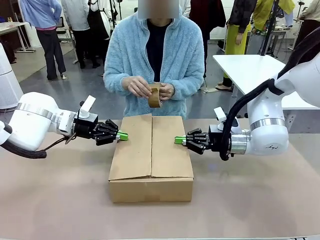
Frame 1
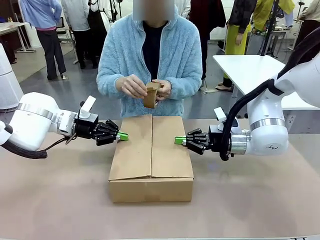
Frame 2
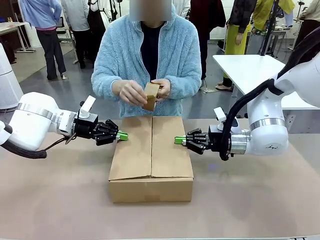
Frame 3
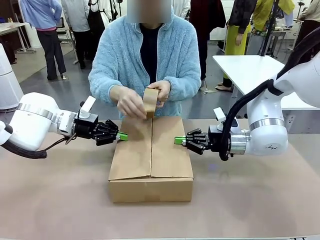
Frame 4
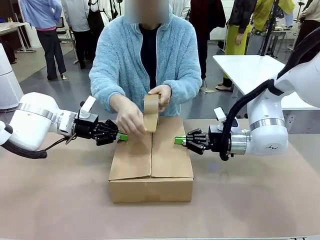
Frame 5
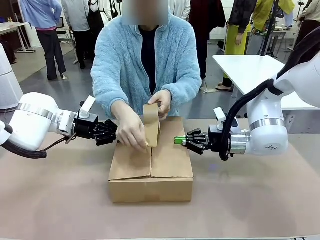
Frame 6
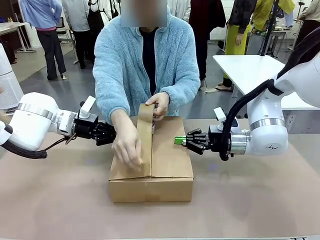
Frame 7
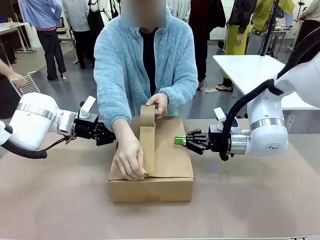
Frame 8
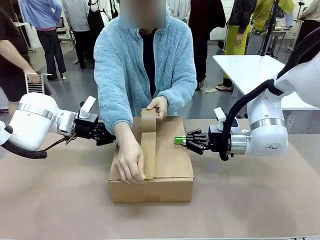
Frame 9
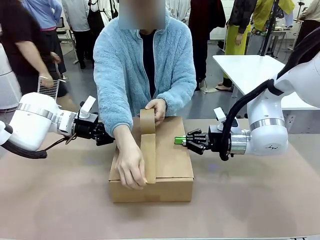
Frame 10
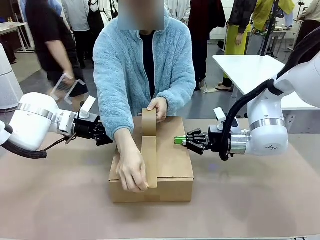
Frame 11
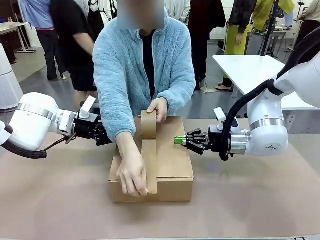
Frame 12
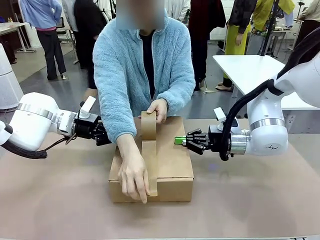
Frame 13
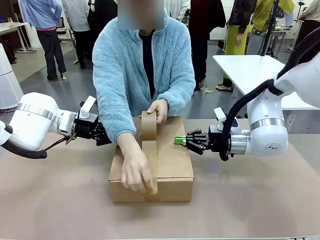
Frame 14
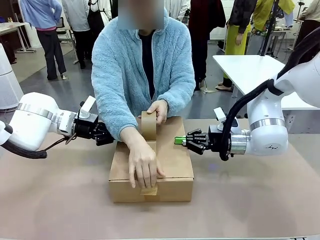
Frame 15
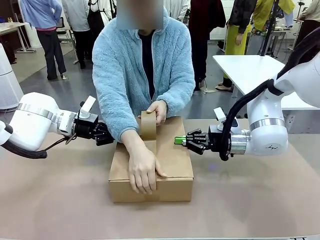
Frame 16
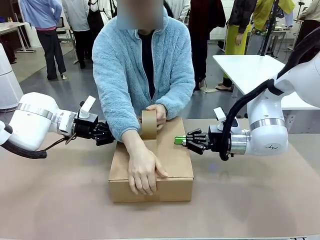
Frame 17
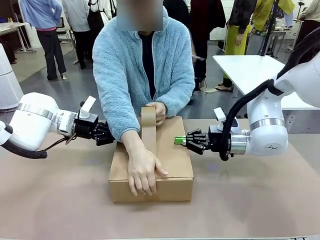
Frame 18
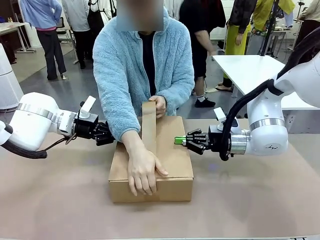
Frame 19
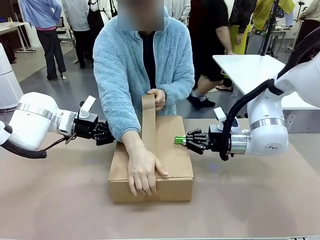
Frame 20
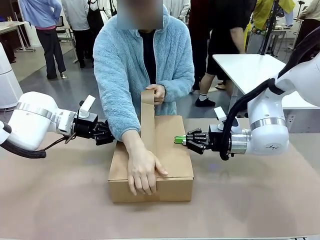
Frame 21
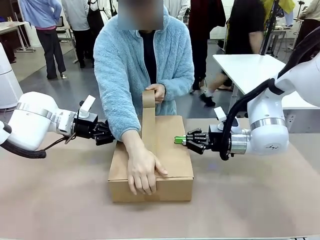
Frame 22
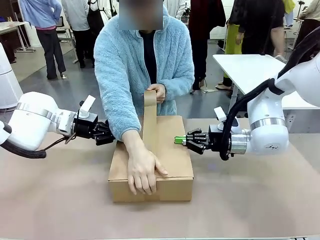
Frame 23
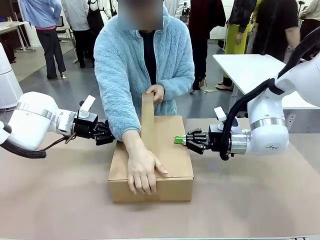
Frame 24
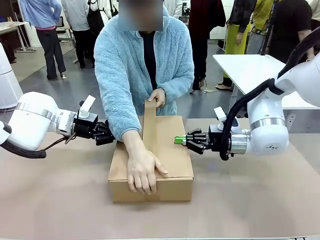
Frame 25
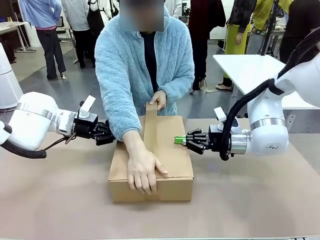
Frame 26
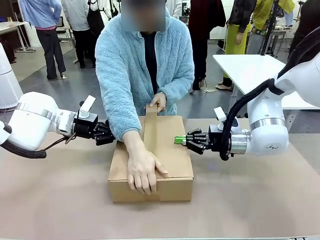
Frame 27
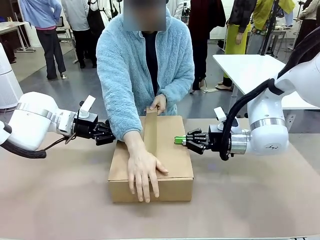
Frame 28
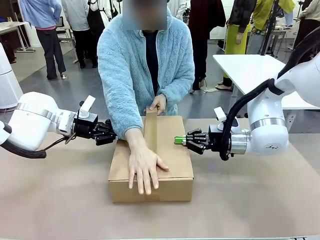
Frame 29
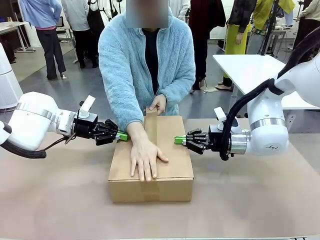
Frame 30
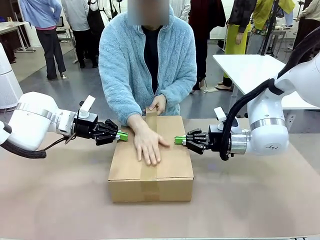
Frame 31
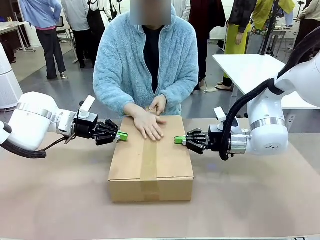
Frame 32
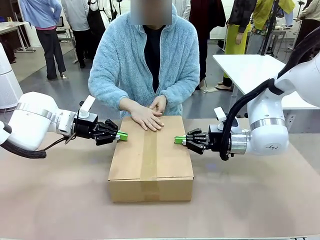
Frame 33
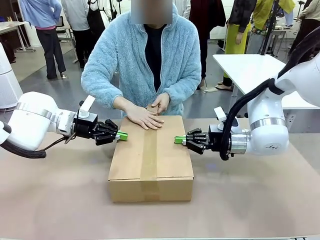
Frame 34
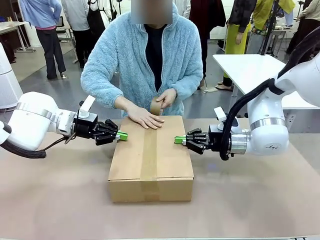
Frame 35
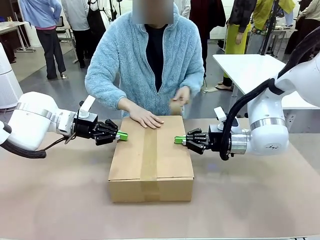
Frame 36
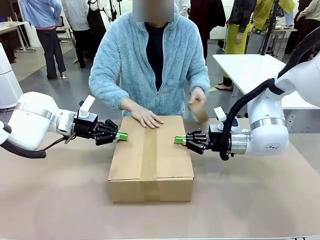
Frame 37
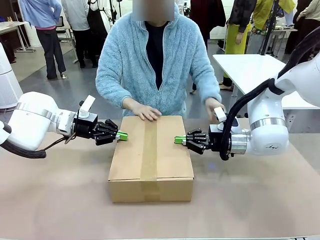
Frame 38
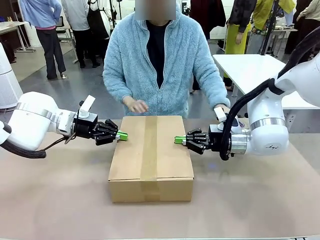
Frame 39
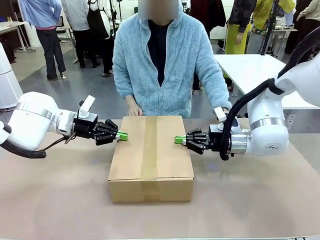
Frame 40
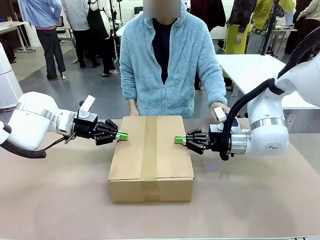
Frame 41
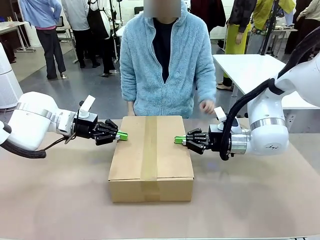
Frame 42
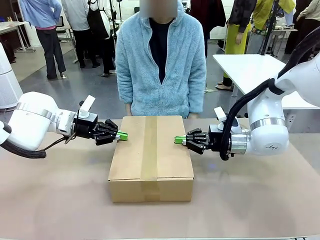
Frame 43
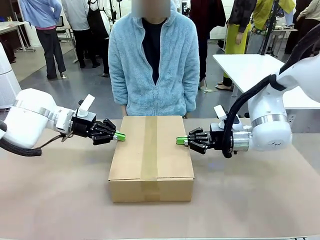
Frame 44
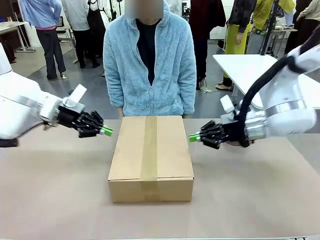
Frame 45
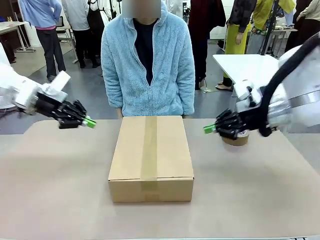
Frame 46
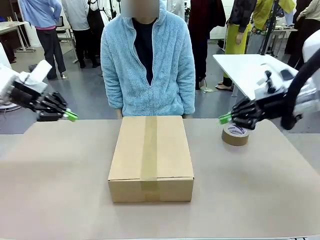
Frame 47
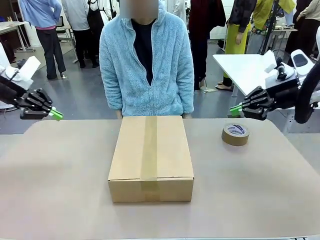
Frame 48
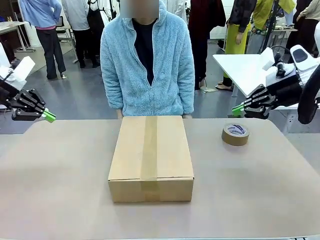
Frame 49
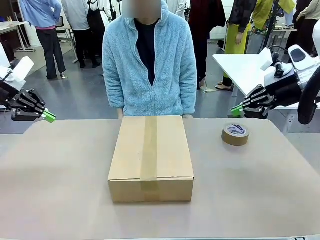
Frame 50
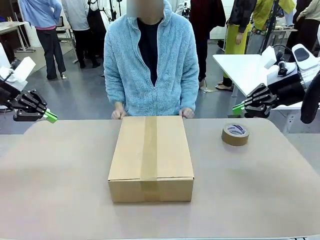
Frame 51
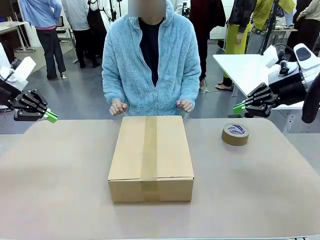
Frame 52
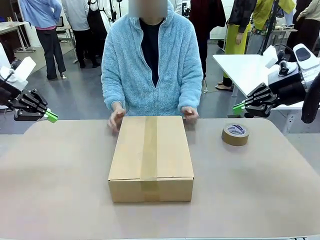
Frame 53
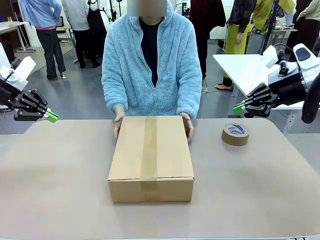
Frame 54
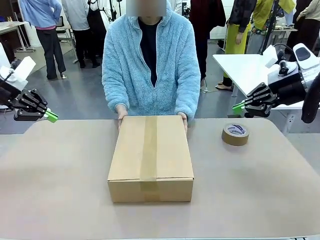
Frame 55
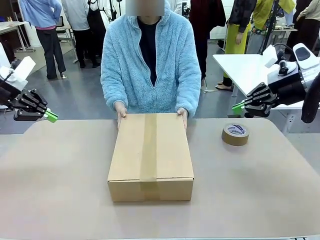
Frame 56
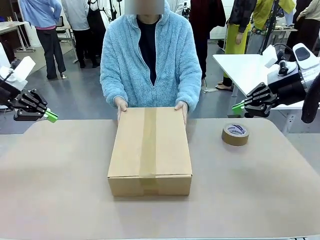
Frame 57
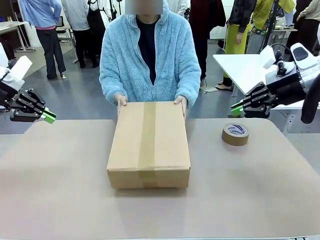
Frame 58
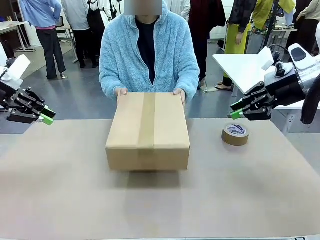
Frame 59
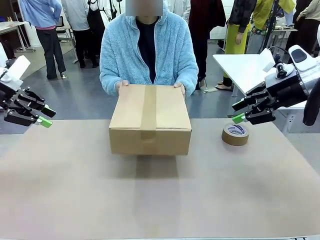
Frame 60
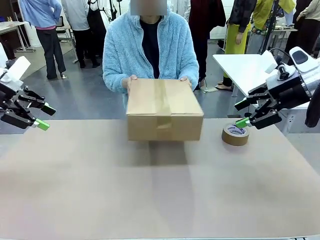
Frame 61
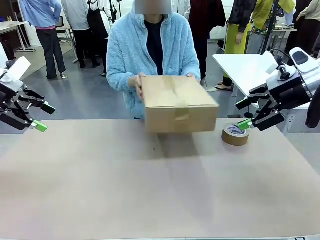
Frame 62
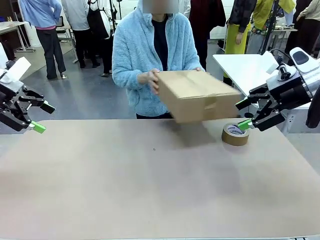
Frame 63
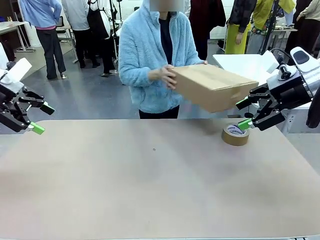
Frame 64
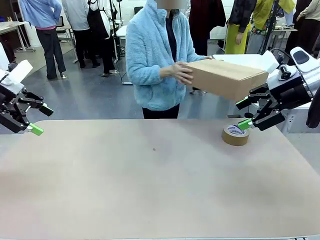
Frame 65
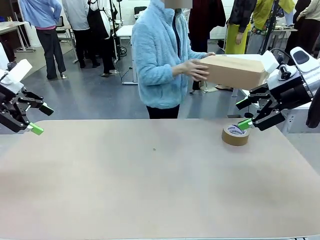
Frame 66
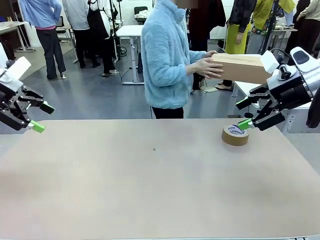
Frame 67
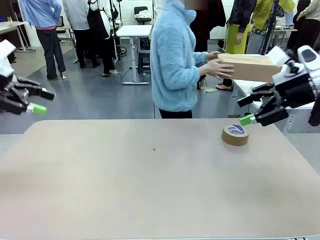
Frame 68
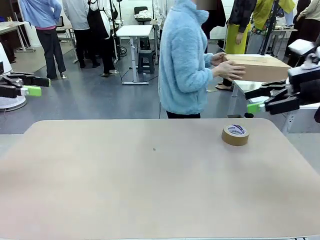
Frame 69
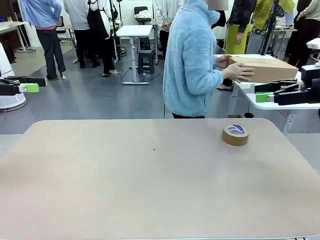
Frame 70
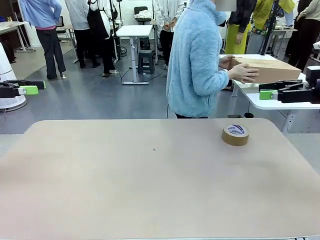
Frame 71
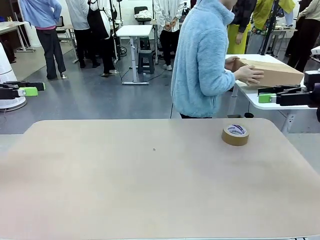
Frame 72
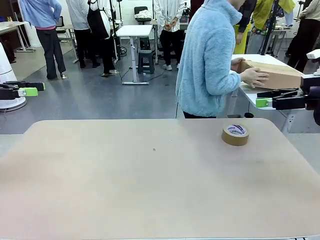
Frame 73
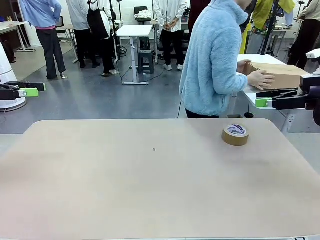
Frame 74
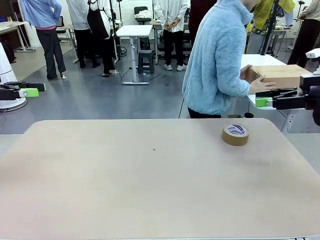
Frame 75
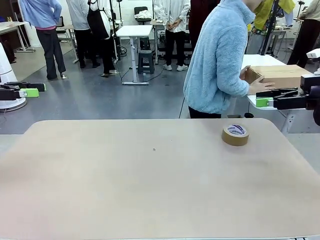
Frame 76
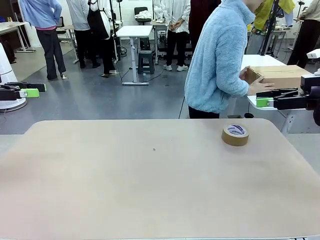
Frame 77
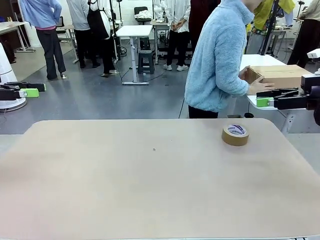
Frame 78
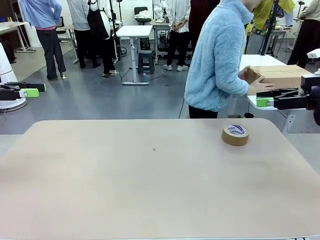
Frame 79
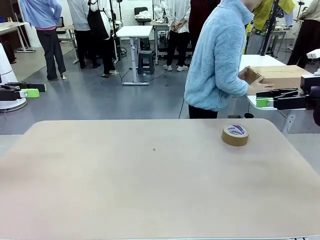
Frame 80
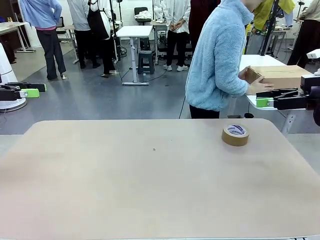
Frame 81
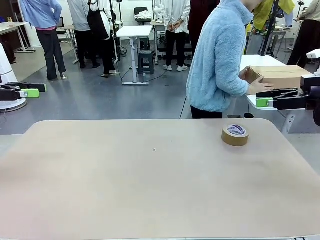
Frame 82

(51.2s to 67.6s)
Task: Wrap the clocks to prevent damage.
Robot: After the human seals the box with tape, release both hands from the side flaps of the Package Box.
Person: Once the robot closes the left flap of the Package Box , seal the box with Paper Tape. Place sealed Package Box in the middle of the human's table.

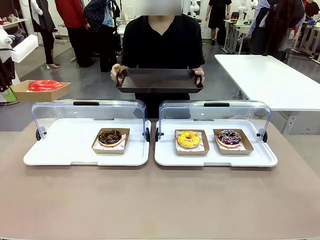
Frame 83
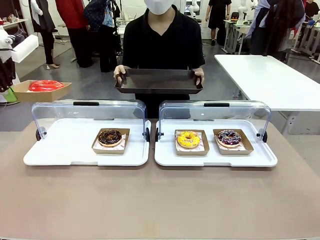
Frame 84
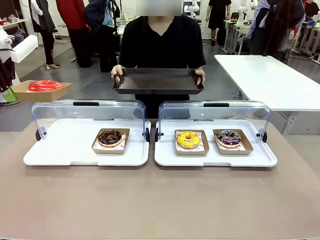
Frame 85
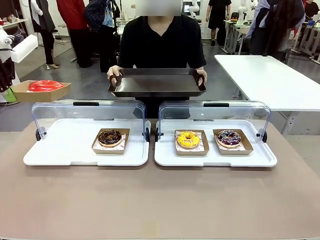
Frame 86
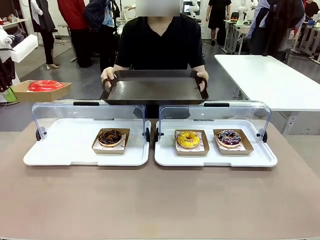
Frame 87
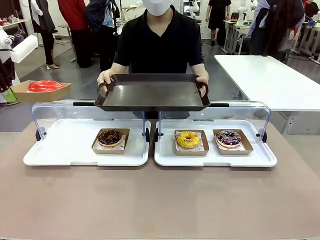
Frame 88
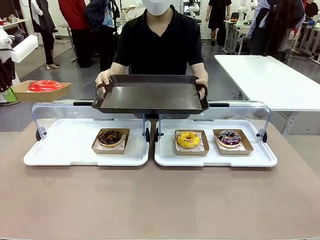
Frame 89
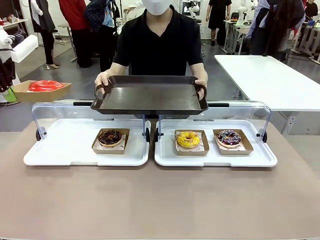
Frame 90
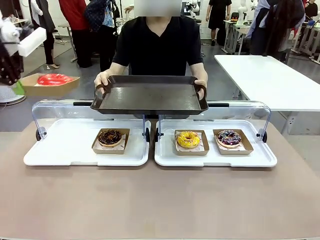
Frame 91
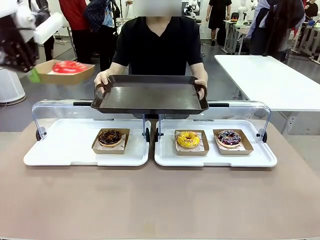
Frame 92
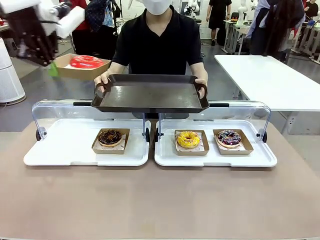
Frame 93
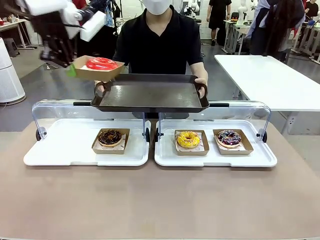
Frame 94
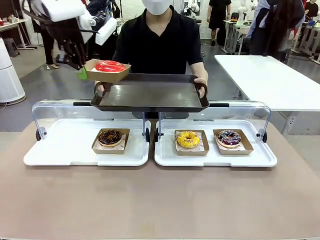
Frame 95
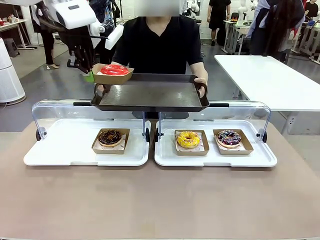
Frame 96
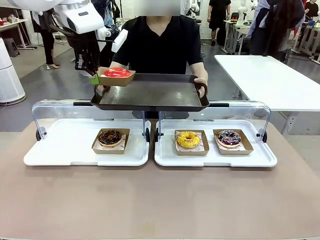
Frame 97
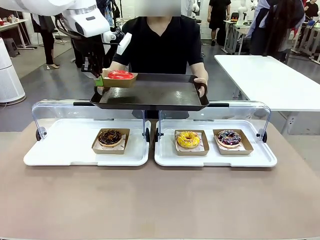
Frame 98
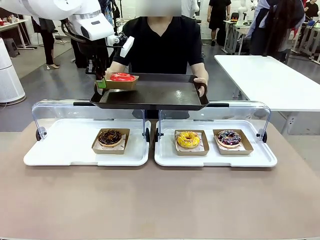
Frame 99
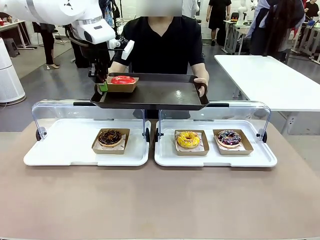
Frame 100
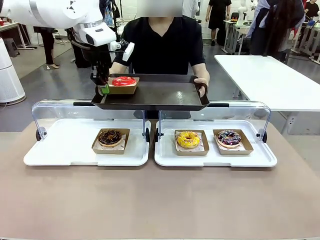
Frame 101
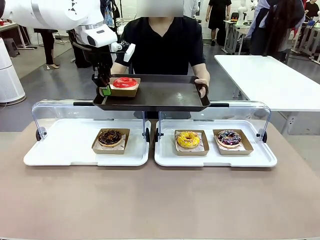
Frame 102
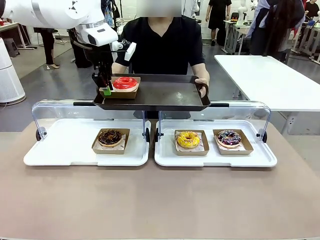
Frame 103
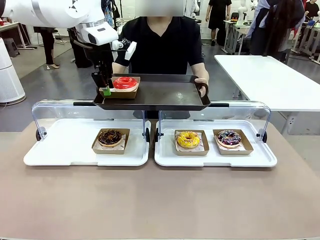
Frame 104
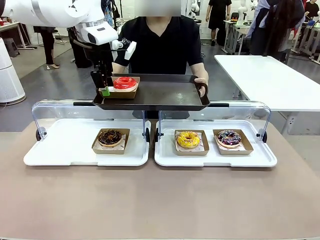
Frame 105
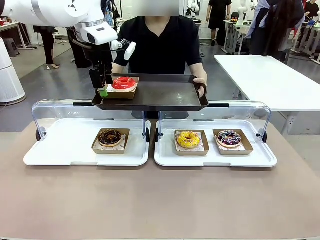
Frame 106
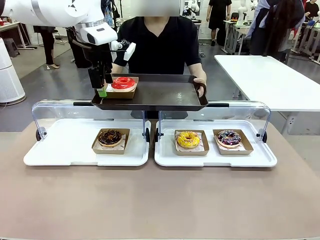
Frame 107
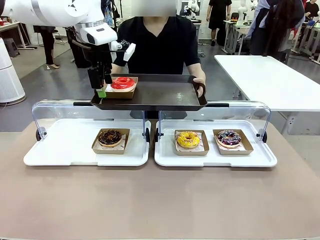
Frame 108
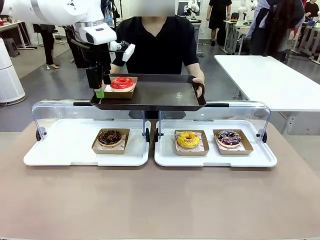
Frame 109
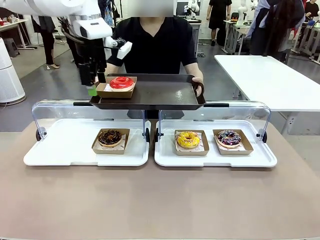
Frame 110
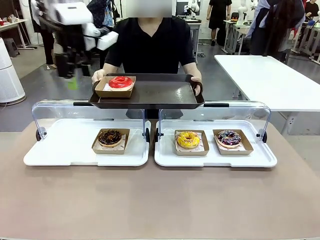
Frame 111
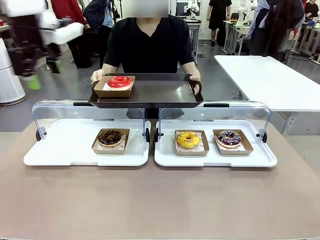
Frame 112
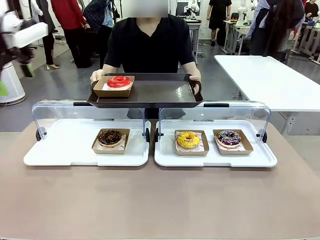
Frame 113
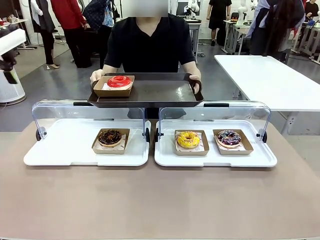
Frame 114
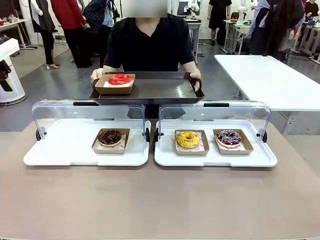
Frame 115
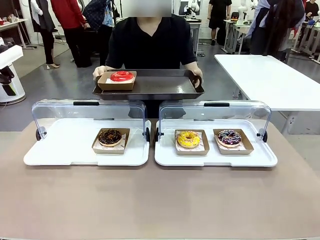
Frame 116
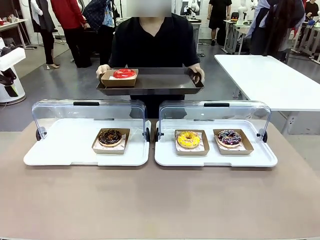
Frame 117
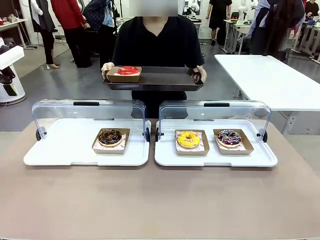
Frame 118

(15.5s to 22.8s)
Task: Provide the desired donut to the person.
Robot: Place the picked Paper togo box onto the Handle tray extended by the person.
